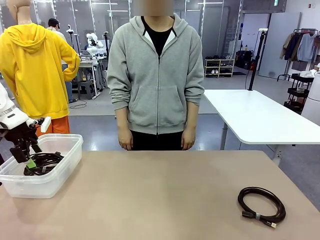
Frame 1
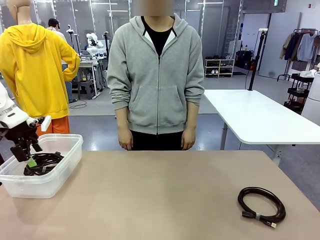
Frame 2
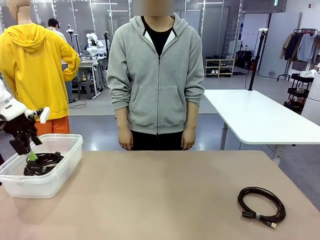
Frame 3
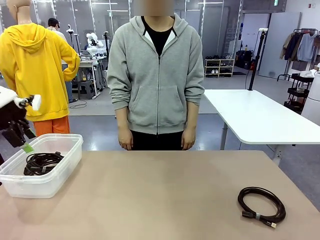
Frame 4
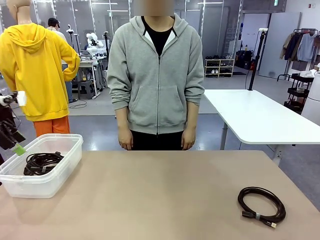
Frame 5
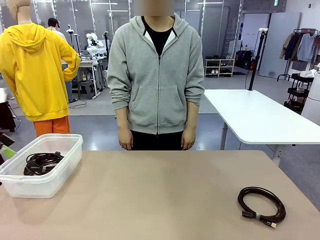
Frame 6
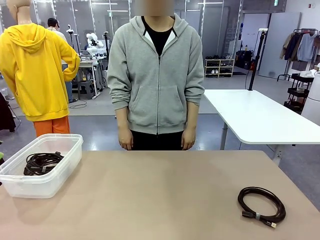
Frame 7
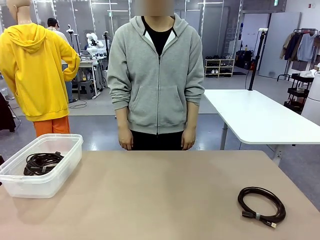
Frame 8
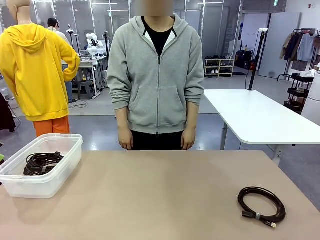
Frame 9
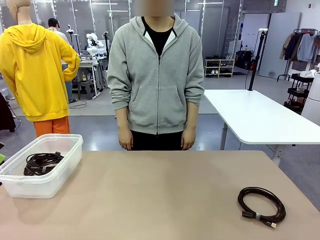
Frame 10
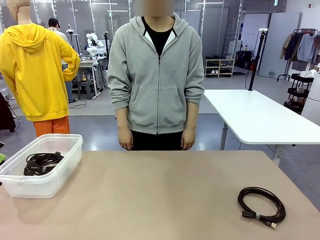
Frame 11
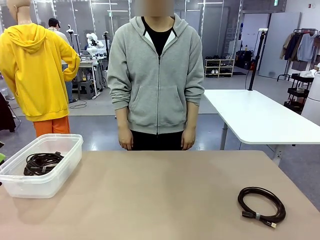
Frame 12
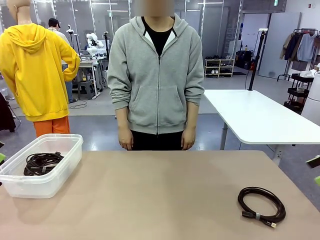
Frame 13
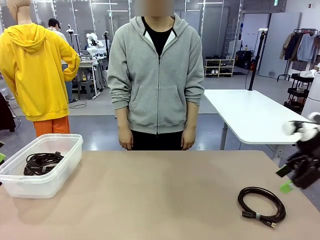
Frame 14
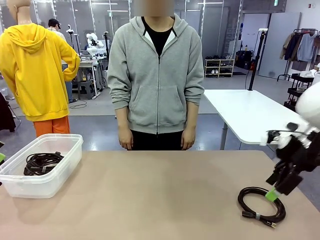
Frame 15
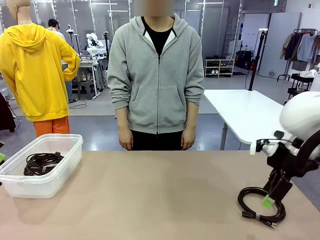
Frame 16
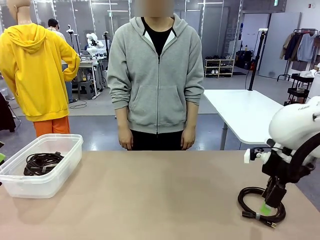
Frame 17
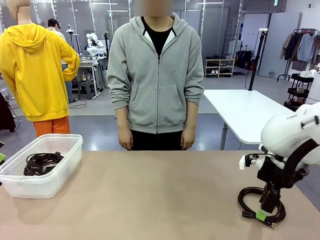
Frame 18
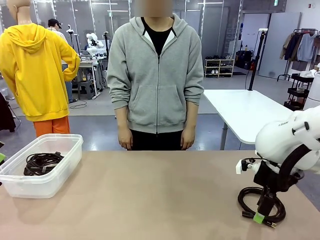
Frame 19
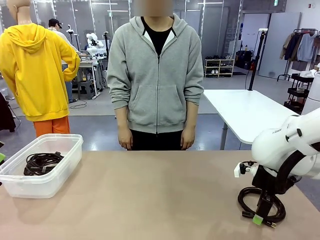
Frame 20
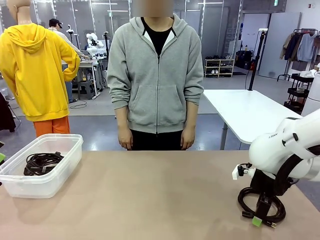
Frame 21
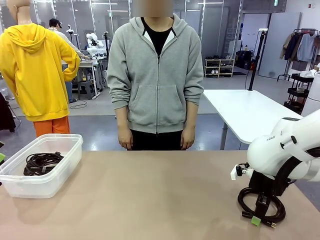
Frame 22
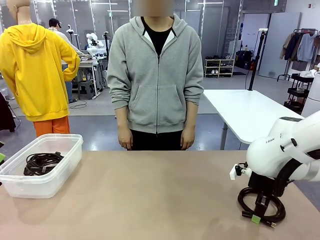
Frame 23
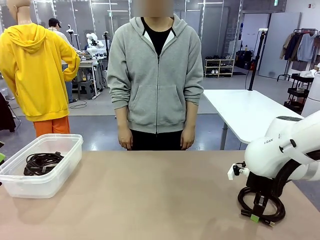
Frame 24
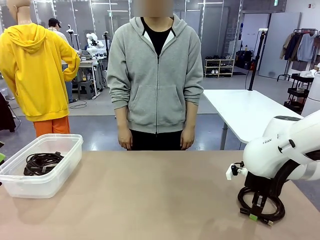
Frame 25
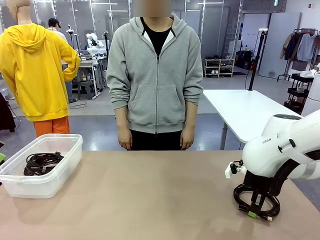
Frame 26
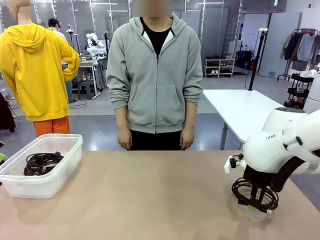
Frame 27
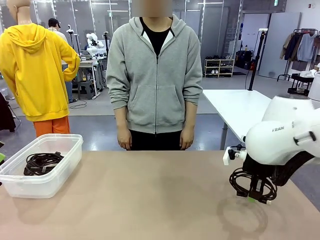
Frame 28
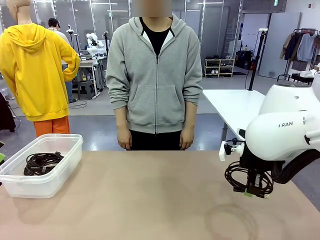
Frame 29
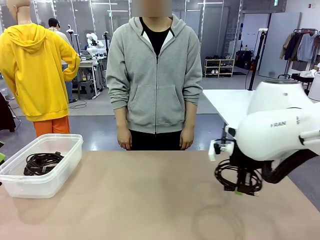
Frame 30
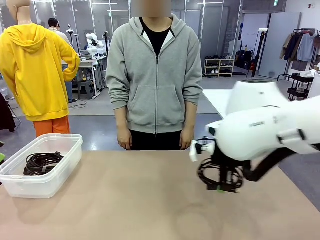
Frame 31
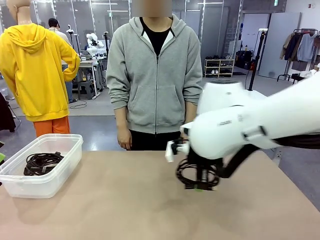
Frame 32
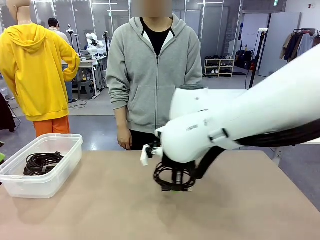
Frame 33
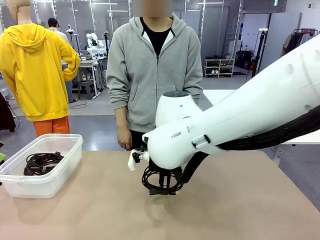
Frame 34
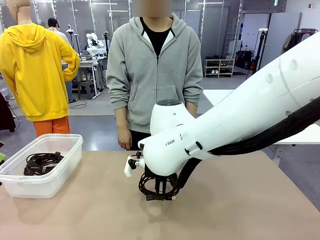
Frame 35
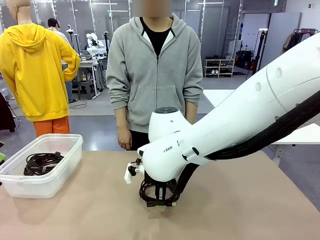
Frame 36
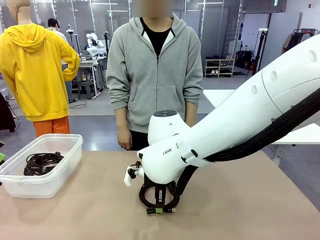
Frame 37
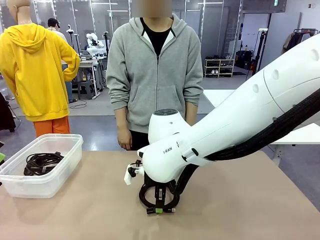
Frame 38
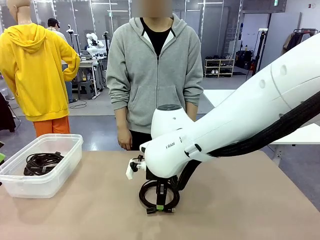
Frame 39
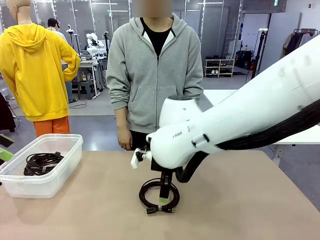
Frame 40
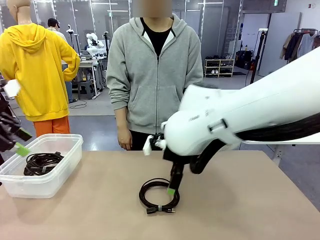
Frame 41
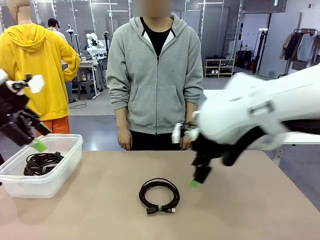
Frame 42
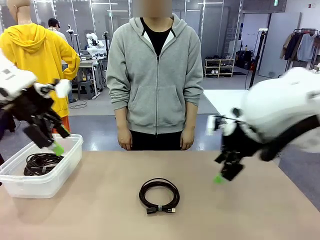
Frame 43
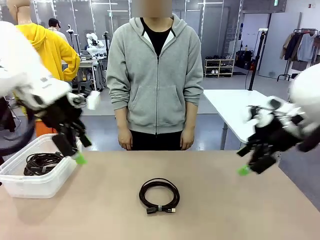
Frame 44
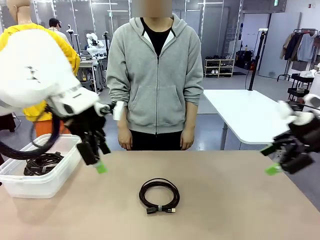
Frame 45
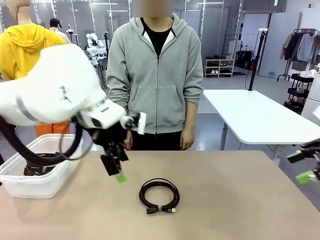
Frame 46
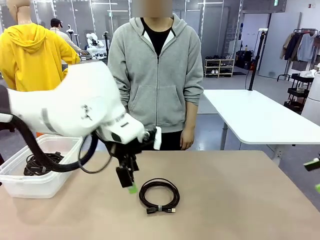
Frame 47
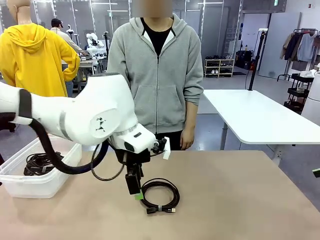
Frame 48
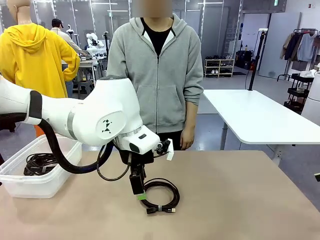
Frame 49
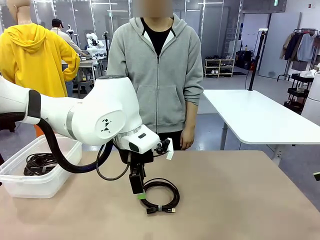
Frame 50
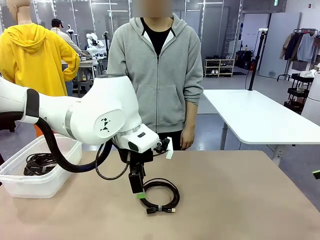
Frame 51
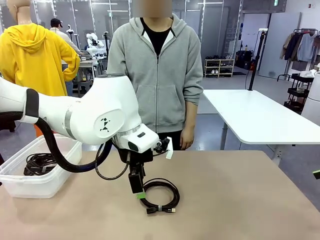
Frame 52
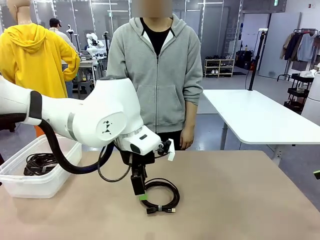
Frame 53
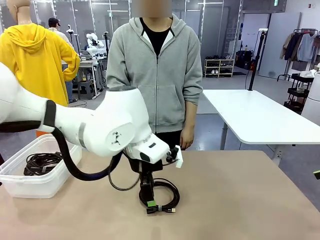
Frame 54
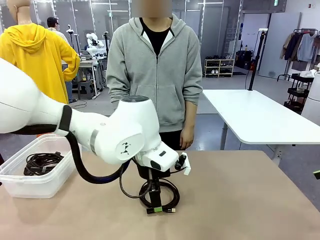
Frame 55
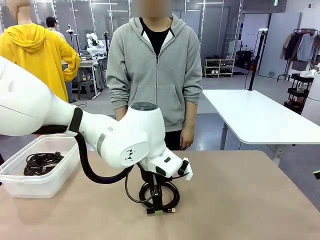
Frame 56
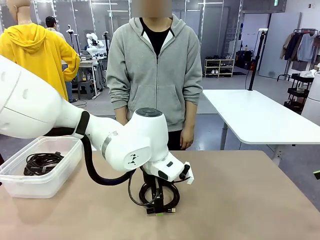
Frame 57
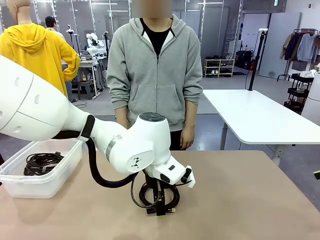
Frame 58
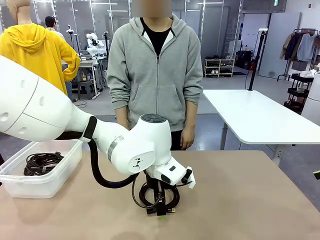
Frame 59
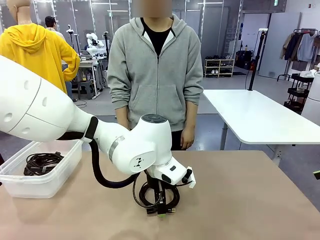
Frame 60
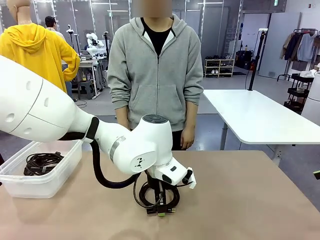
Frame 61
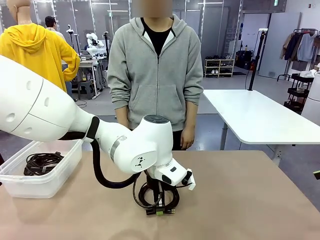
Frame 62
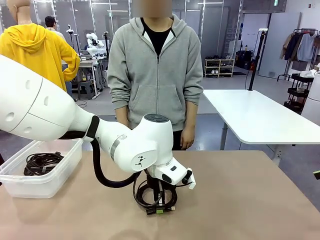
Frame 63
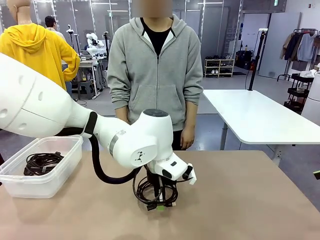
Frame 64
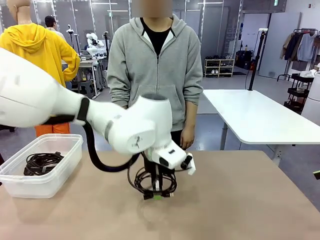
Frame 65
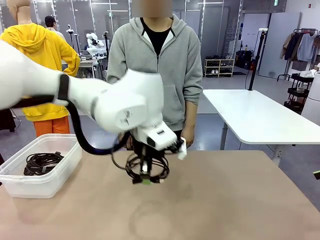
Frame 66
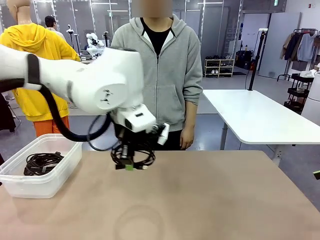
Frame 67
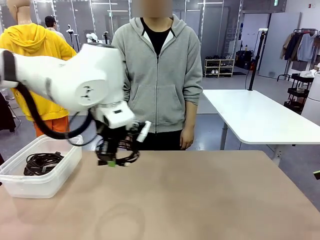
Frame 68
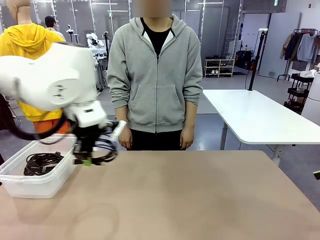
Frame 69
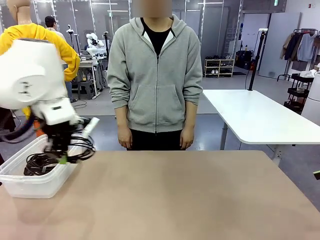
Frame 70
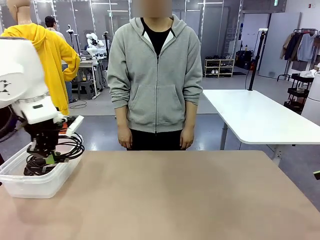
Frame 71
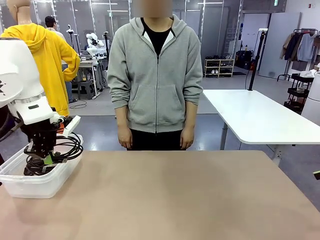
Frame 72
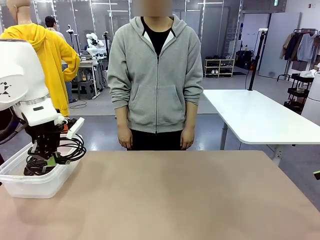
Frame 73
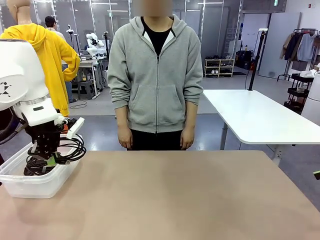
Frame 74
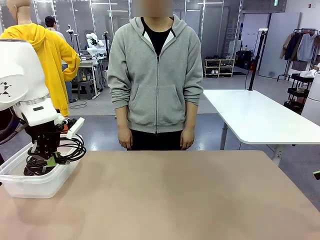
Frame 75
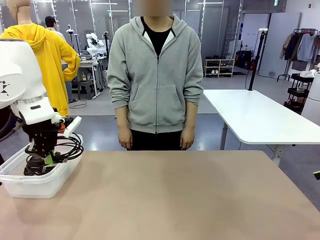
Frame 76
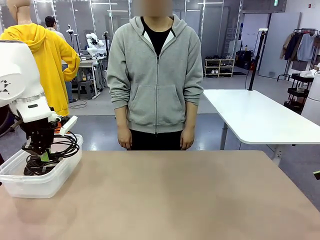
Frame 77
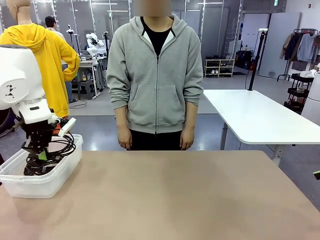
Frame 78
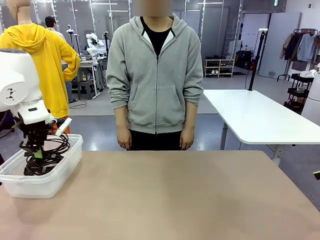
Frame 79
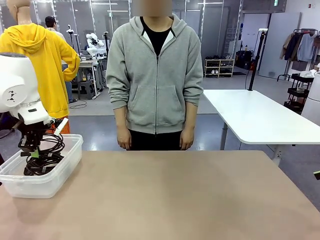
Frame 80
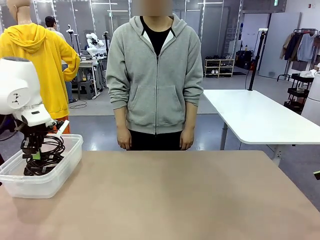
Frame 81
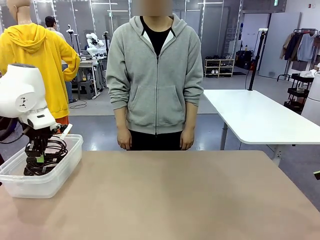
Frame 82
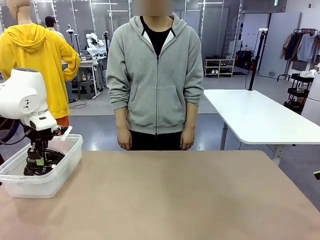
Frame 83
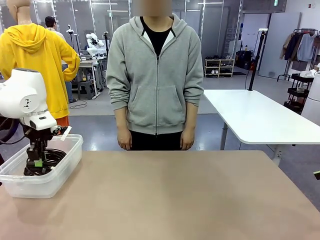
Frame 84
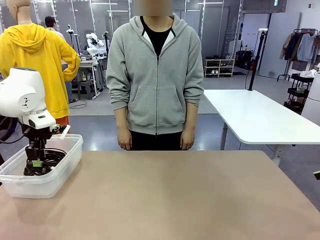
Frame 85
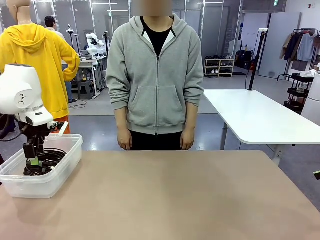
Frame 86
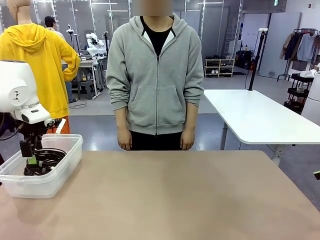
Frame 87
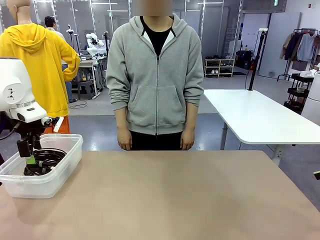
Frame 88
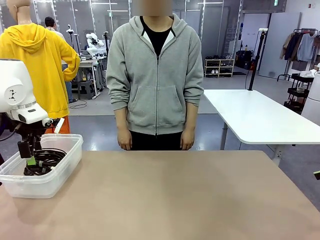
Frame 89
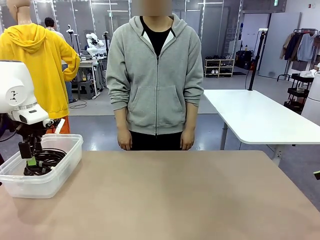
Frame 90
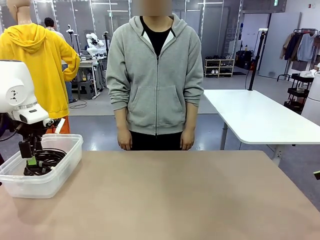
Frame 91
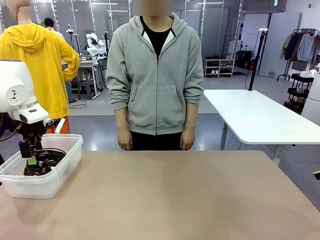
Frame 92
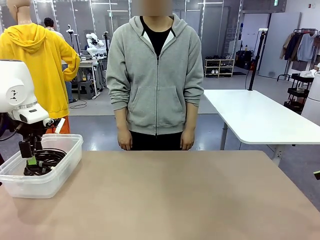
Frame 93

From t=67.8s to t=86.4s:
Task: Organize and store the cables.
Robot: Place the USB Extension Cable into the Organizing box.
